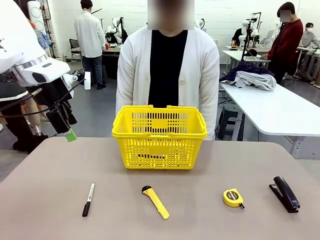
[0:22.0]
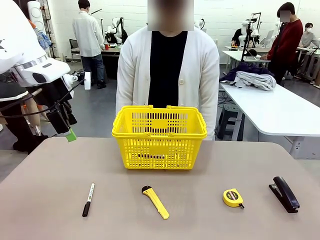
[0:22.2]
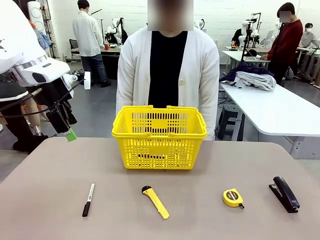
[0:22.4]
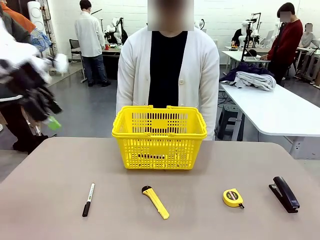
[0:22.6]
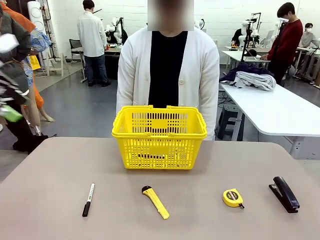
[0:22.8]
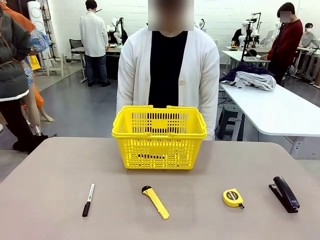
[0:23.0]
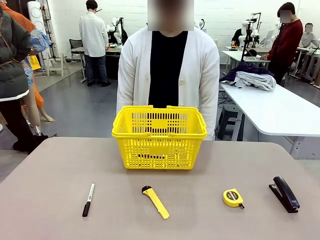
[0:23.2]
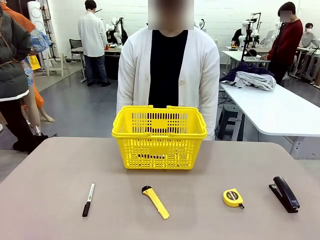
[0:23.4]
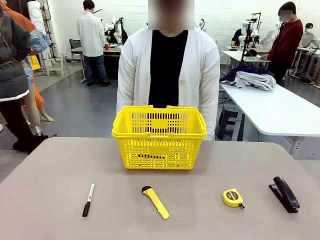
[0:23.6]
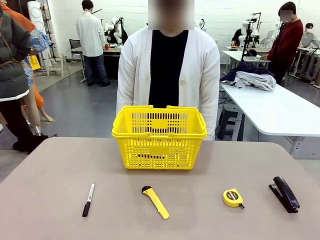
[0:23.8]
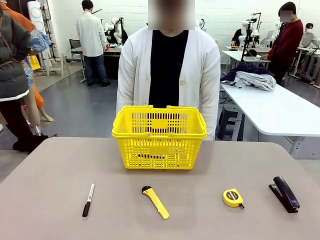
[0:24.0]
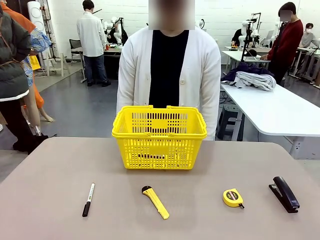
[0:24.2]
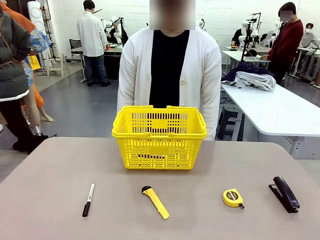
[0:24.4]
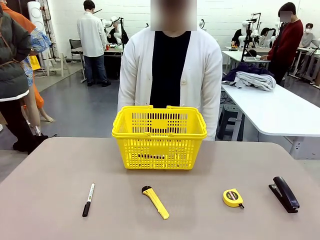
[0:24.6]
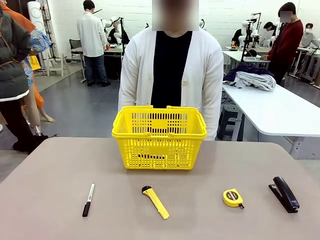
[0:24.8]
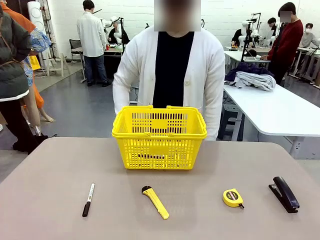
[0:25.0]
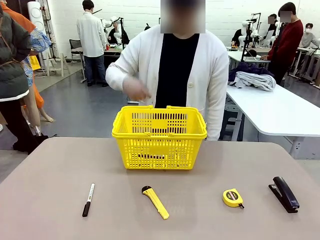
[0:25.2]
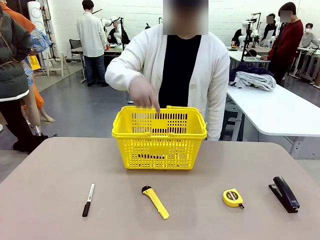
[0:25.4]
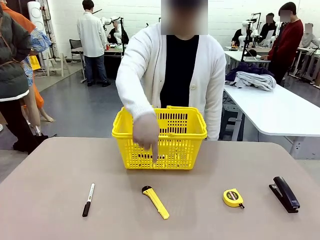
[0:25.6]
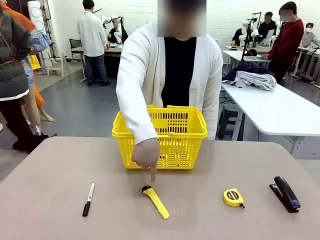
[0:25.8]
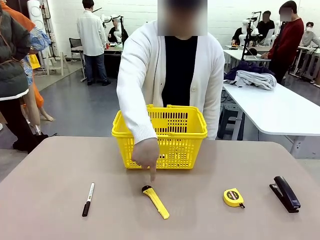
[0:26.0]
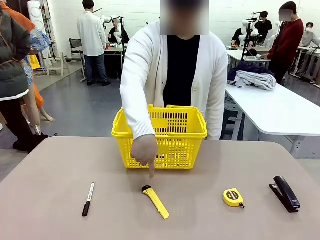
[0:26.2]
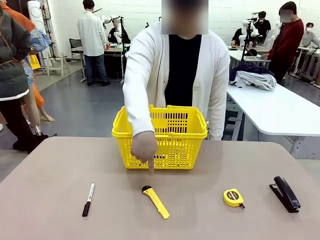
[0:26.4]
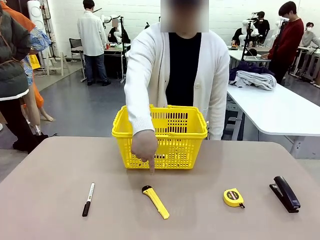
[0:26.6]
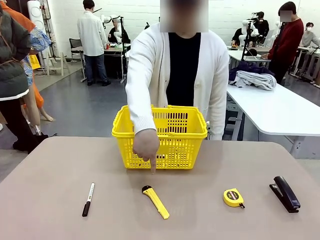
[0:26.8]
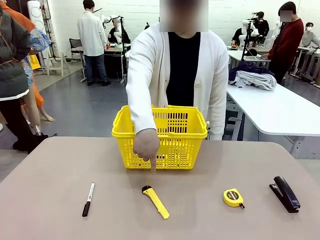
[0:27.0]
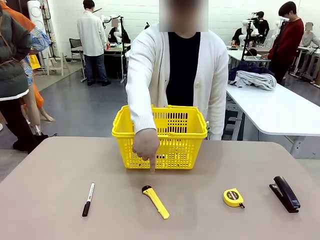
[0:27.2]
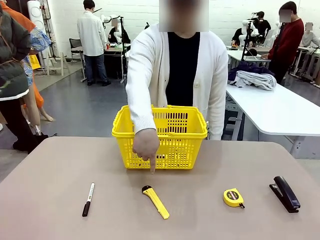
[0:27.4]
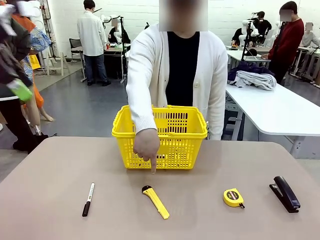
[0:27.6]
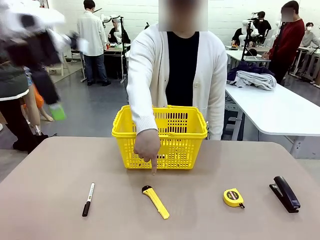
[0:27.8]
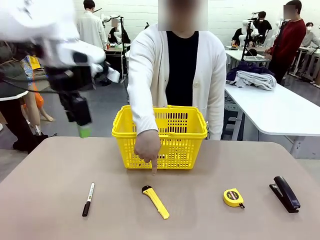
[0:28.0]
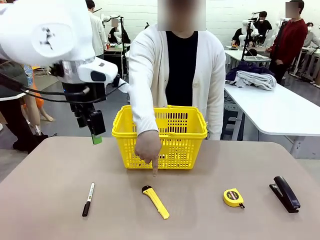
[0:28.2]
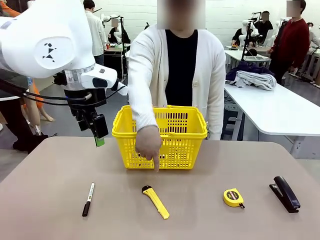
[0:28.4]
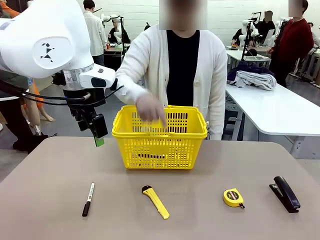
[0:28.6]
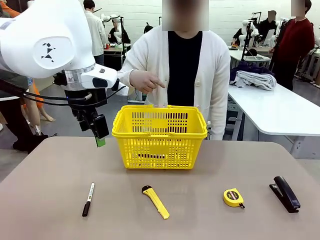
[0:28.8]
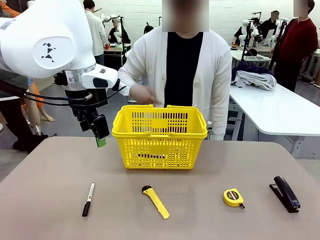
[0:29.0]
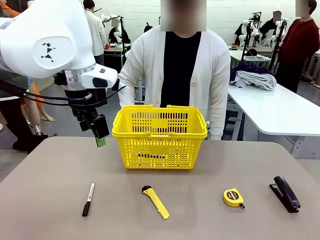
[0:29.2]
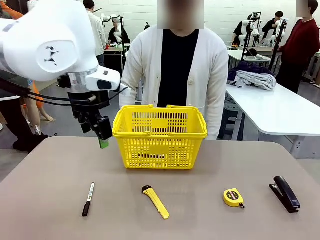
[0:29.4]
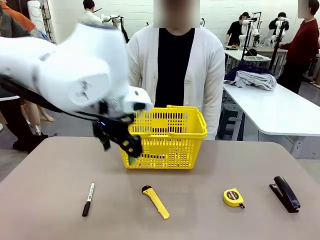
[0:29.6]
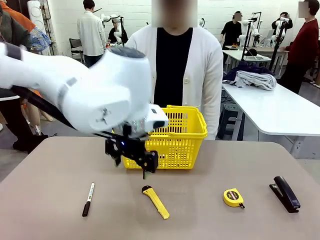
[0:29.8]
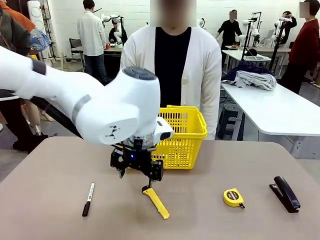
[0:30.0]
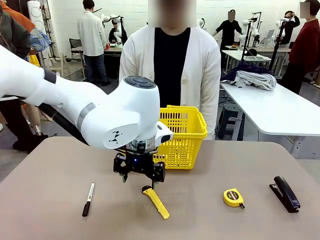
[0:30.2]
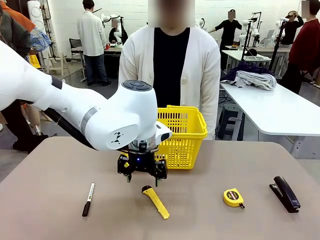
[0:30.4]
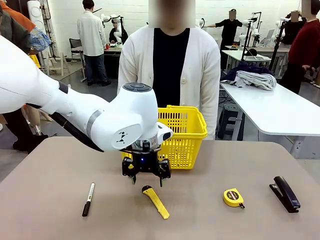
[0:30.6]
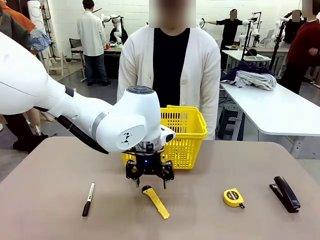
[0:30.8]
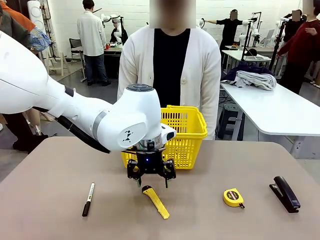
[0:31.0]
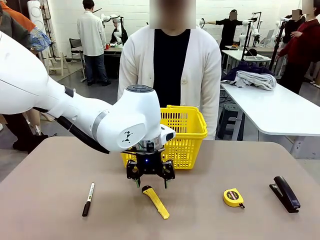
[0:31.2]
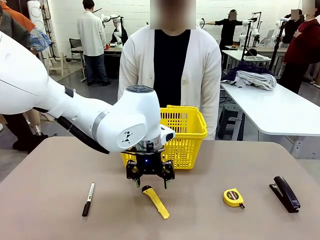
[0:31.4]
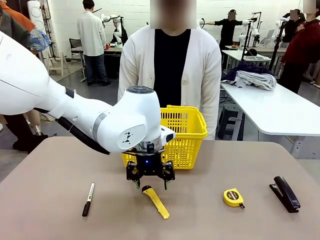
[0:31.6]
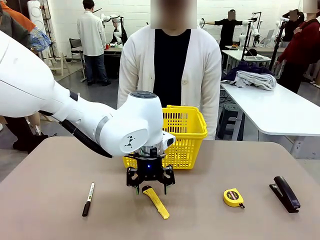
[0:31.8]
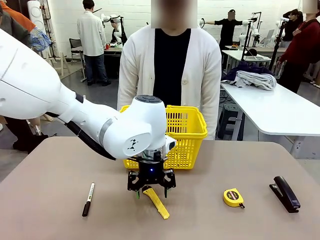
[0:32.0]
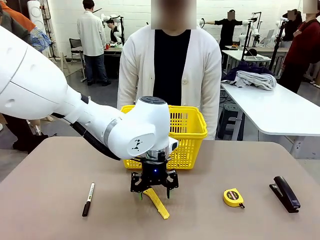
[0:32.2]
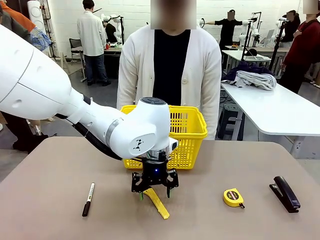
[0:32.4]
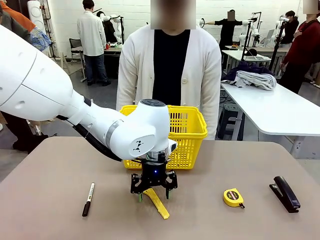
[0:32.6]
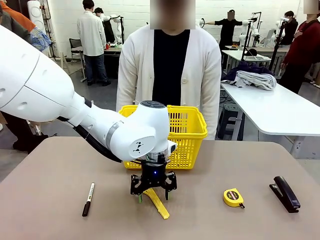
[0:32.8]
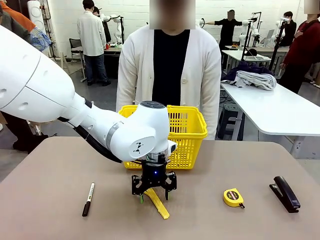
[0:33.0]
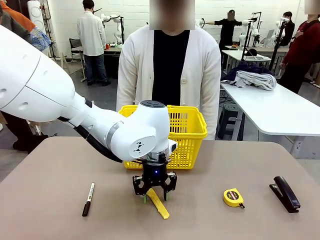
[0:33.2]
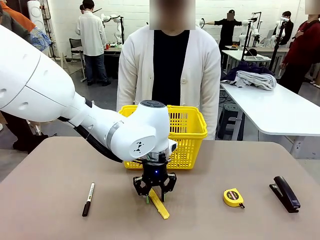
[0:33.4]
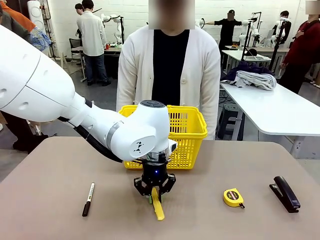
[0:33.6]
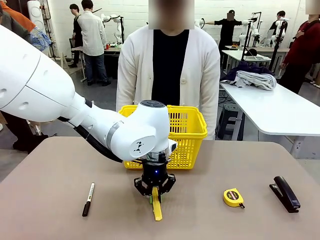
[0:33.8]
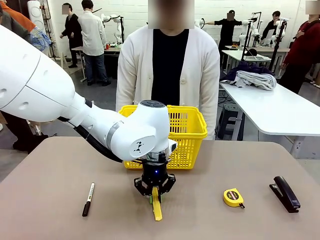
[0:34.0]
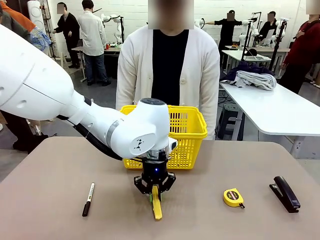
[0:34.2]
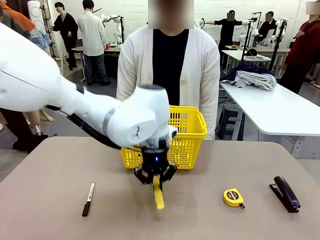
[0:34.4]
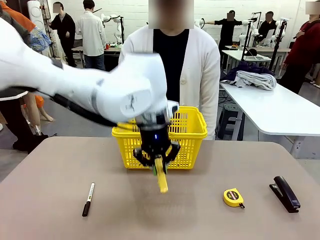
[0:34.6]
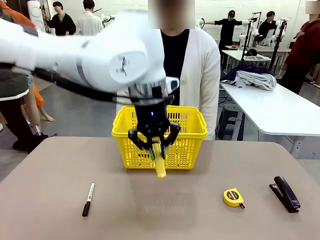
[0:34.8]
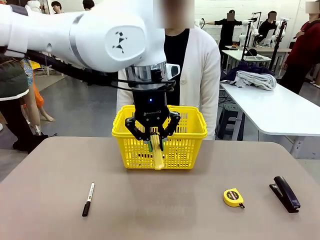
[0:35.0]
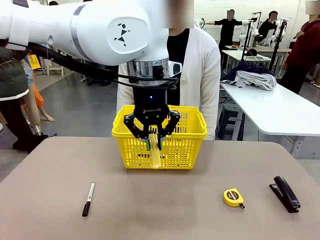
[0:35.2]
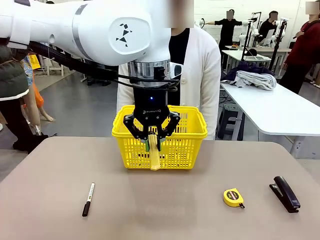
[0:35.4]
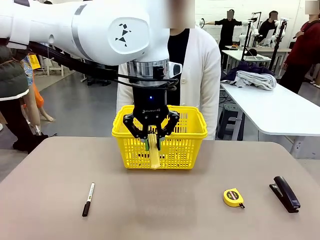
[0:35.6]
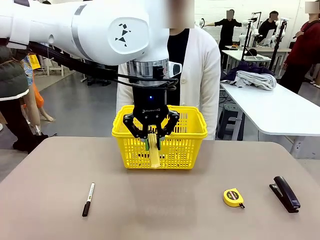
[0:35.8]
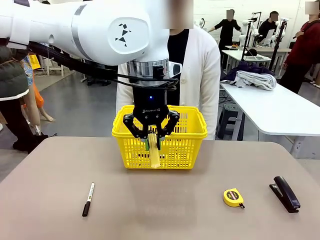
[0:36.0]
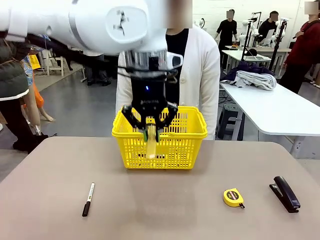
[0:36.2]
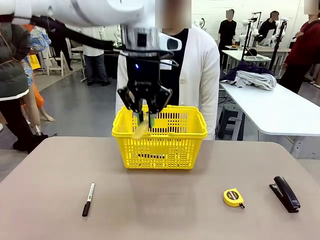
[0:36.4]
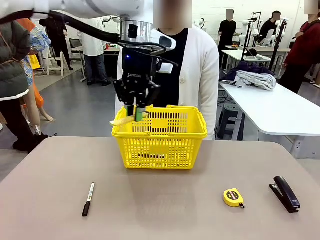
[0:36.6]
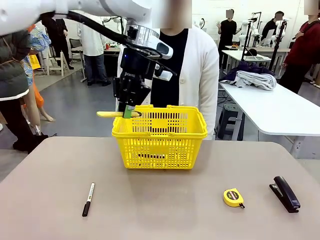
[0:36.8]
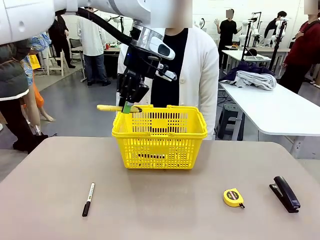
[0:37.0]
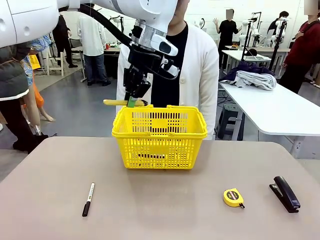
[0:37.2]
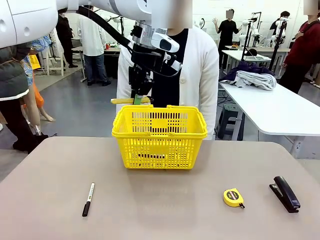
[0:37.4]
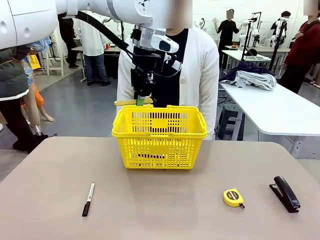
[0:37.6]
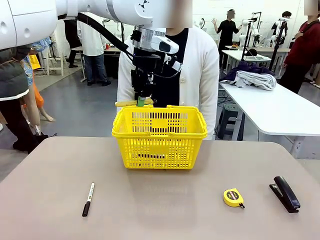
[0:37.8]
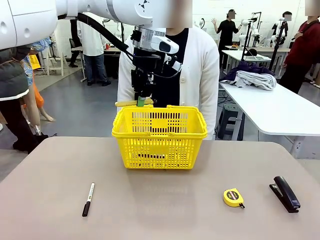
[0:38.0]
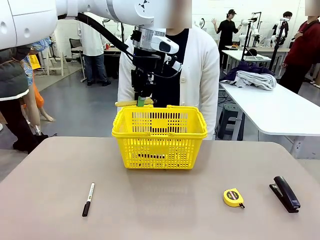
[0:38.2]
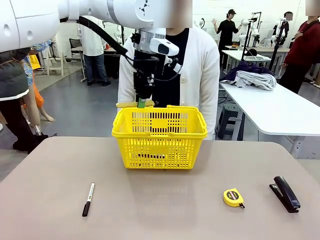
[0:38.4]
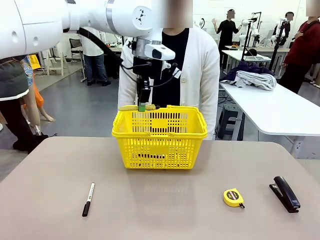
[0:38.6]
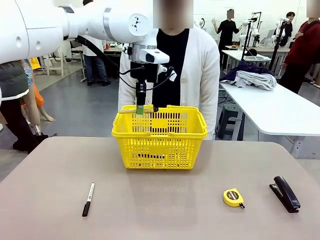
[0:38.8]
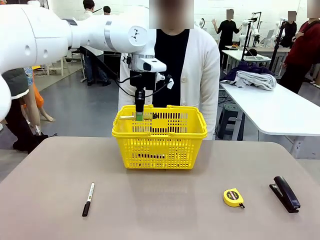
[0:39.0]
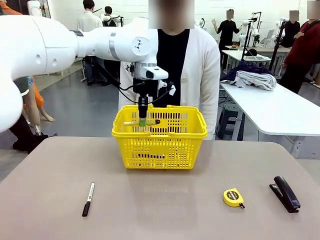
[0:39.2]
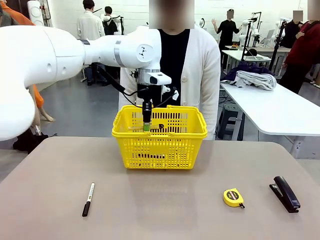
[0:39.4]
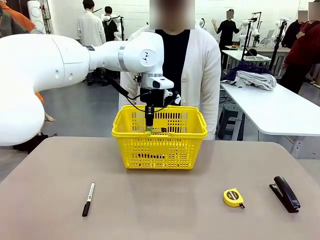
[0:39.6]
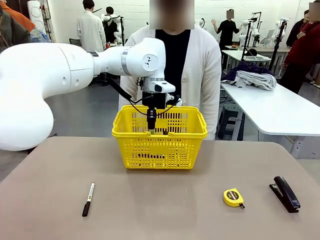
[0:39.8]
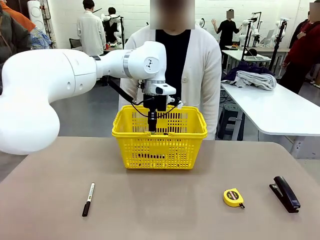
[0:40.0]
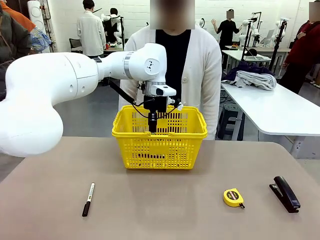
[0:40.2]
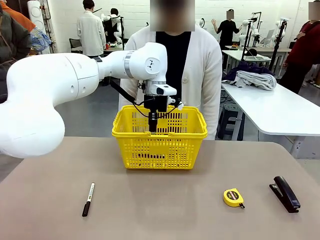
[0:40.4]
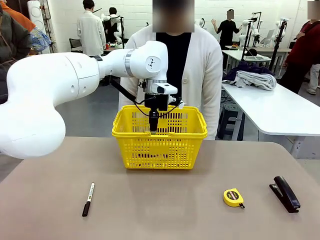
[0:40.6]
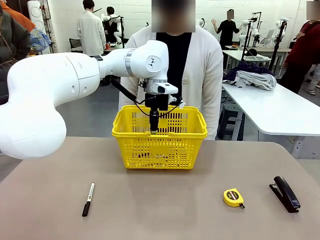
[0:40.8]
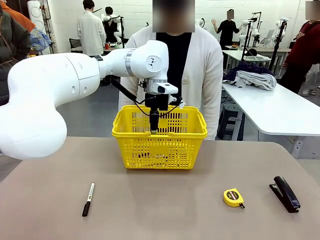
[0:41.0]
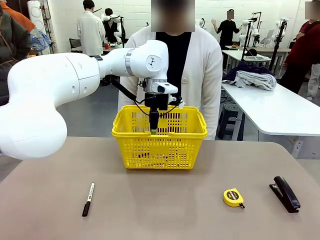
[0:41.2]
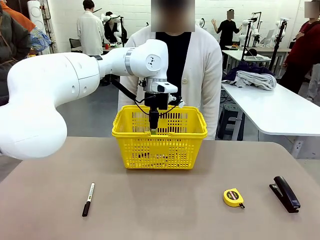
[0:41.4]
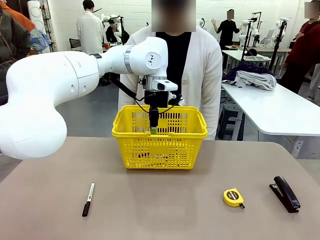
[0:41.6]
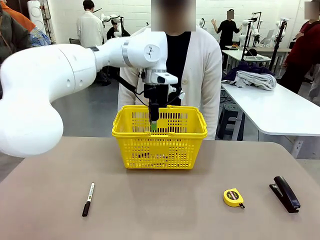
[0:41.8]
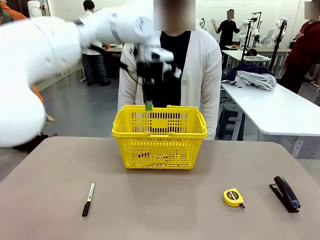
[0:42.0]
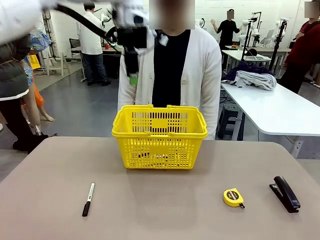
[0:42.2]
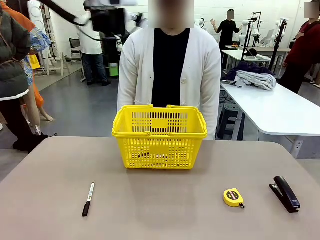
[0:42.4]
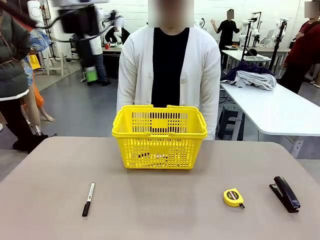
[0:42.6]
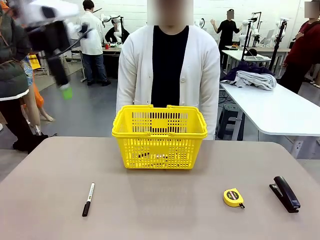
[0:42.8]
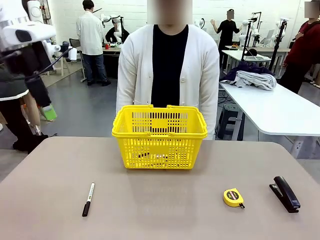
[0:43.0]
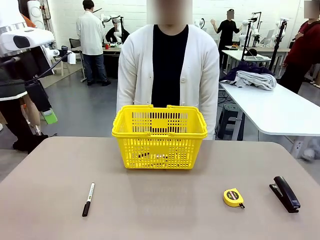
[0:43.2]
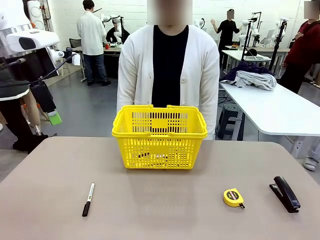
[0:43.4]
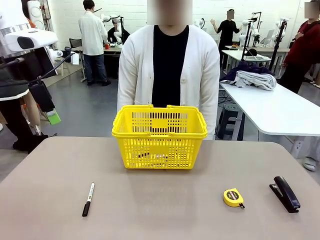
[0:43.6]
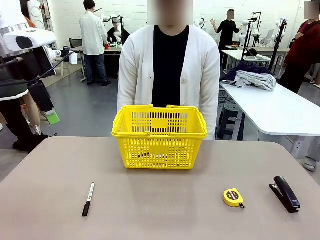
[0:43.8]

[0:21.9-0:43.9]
Task: Place the items the person wants into the basket.
Robot: Pick up the item the person points to and place it in the Market Basket.
